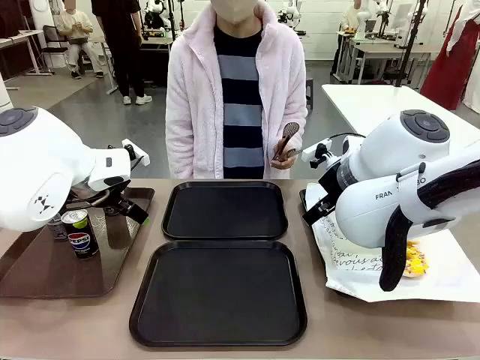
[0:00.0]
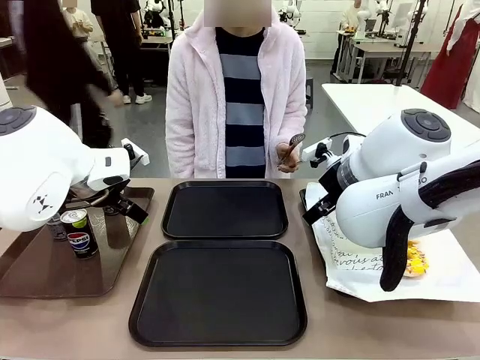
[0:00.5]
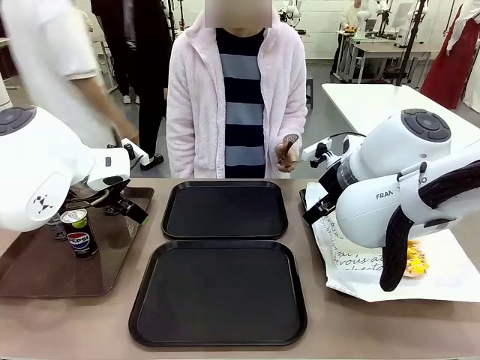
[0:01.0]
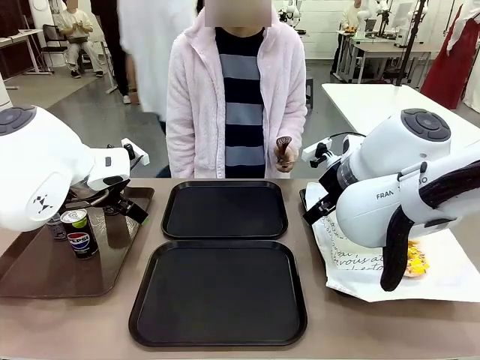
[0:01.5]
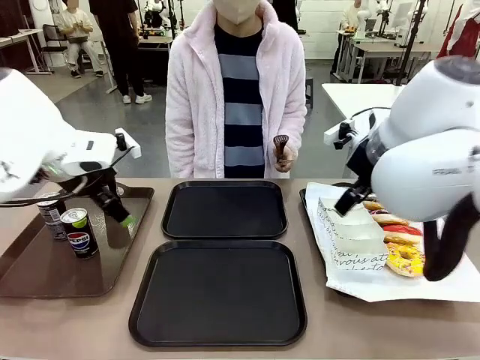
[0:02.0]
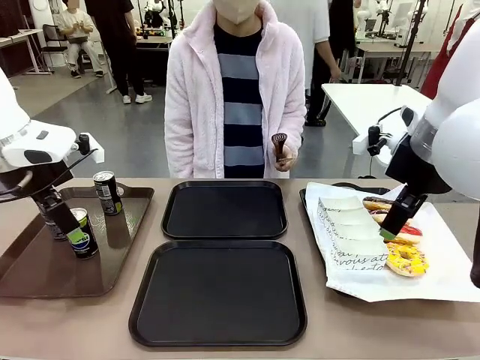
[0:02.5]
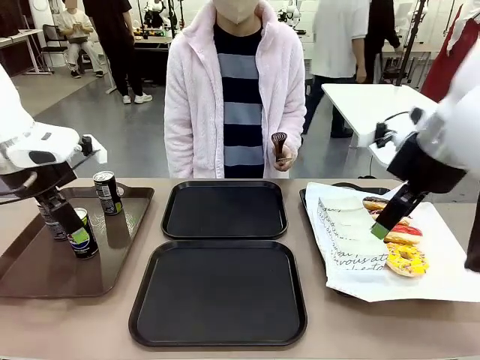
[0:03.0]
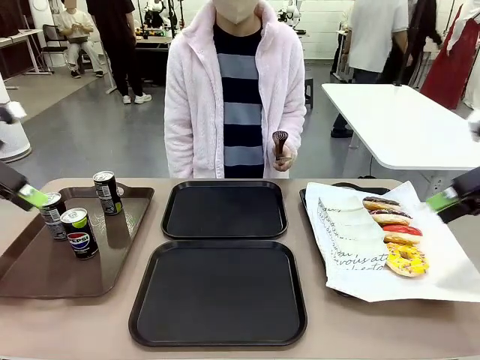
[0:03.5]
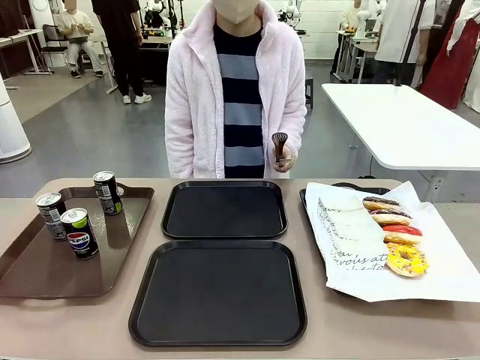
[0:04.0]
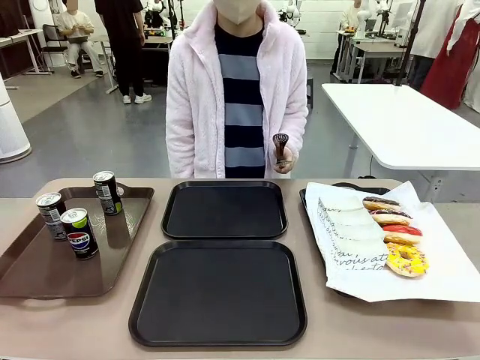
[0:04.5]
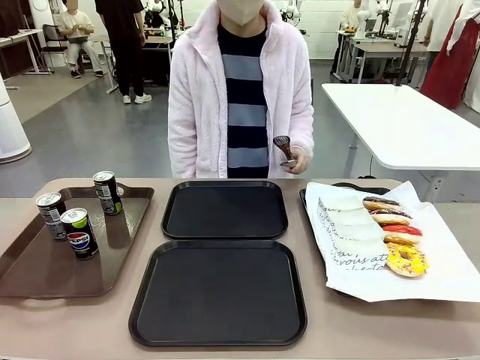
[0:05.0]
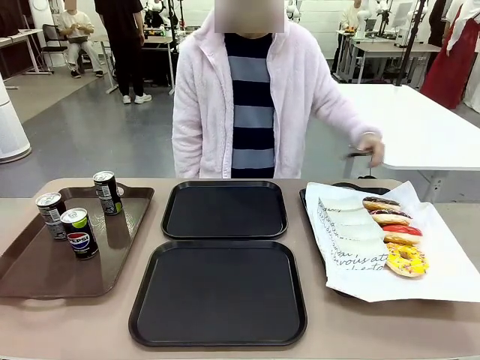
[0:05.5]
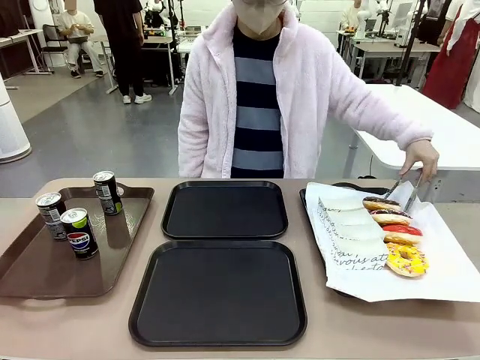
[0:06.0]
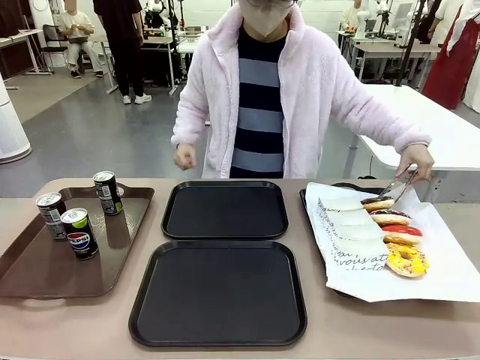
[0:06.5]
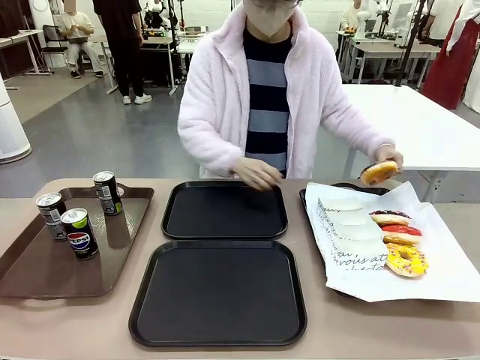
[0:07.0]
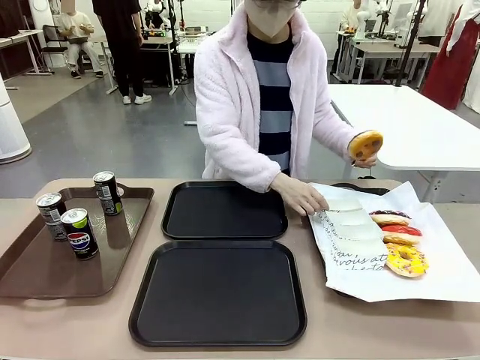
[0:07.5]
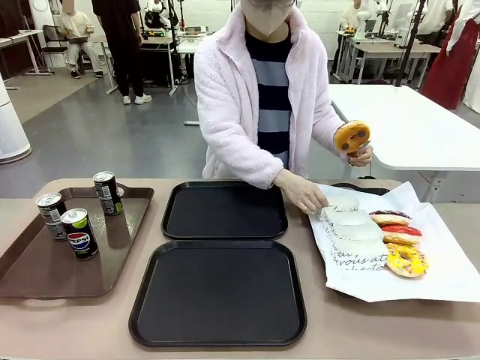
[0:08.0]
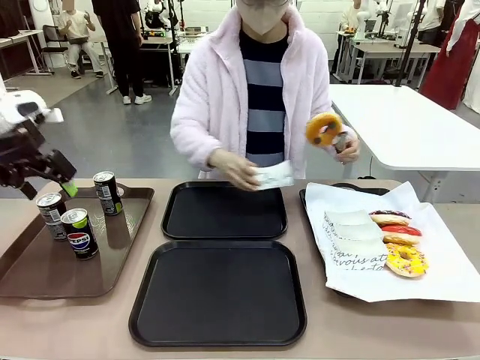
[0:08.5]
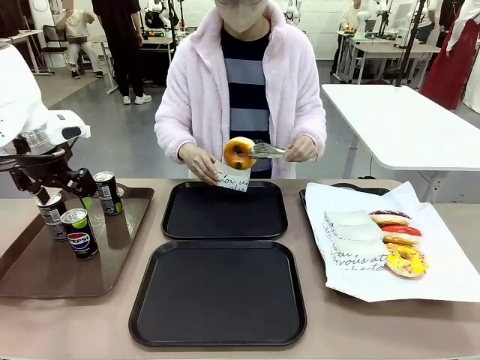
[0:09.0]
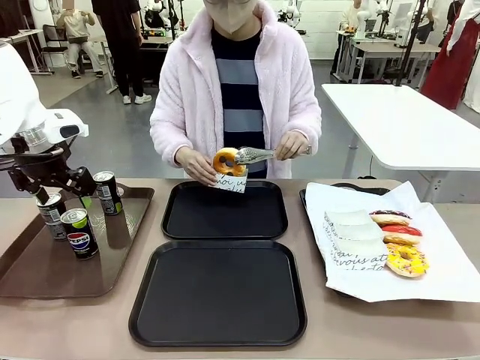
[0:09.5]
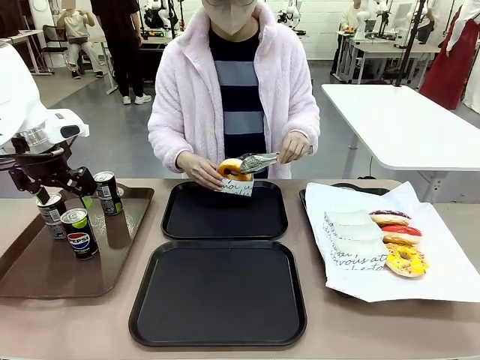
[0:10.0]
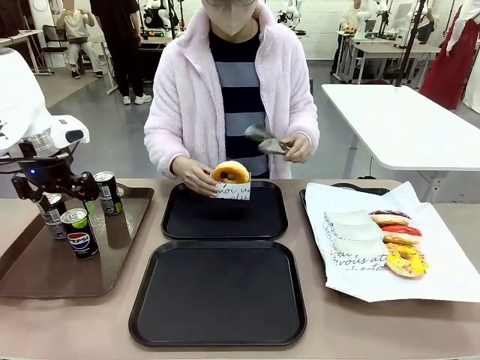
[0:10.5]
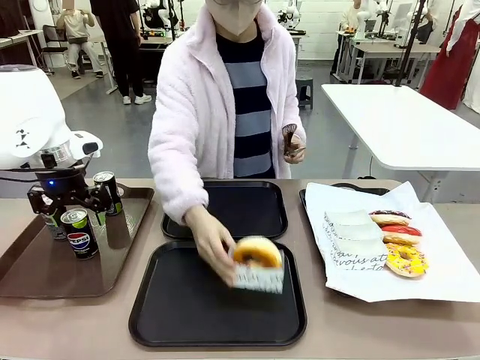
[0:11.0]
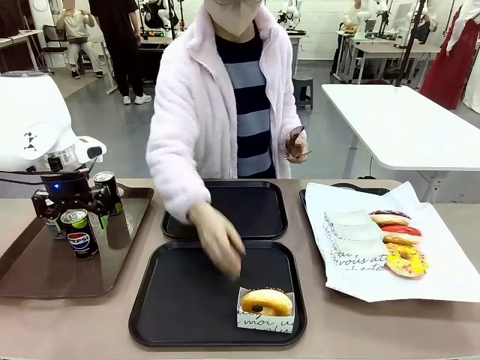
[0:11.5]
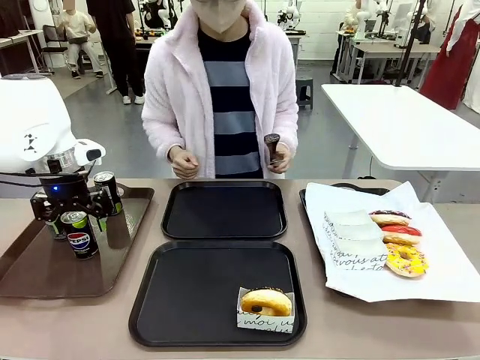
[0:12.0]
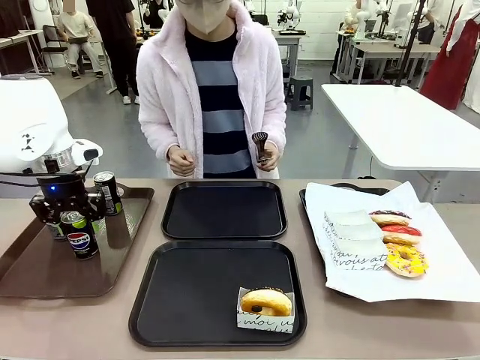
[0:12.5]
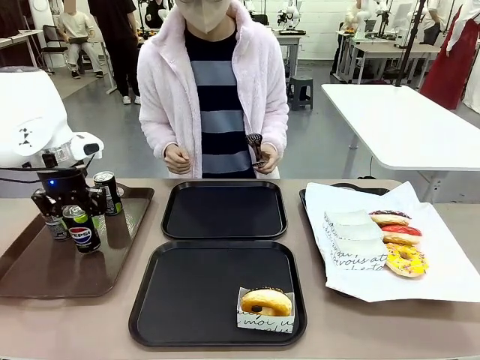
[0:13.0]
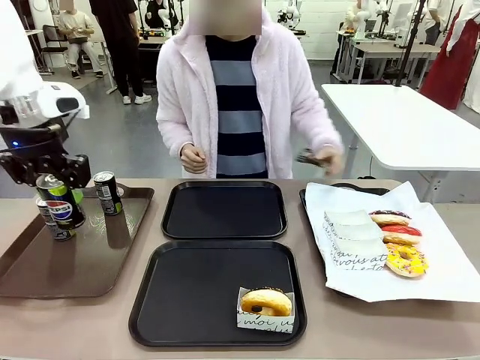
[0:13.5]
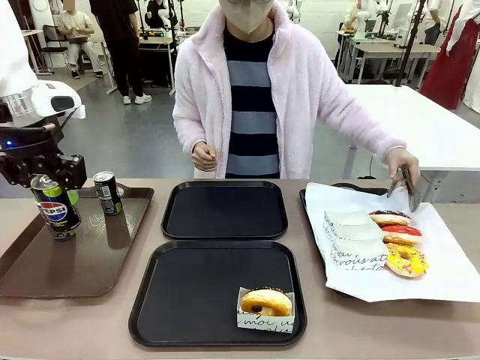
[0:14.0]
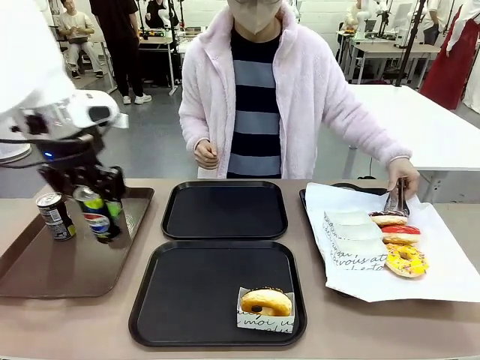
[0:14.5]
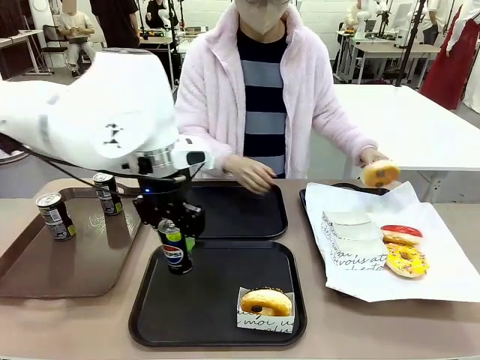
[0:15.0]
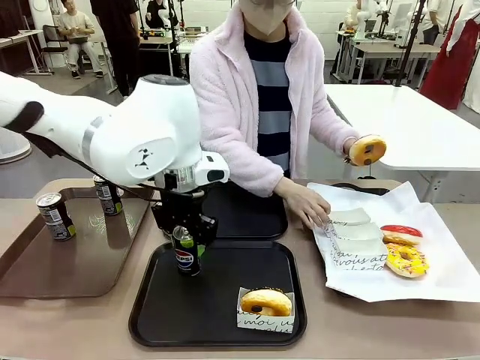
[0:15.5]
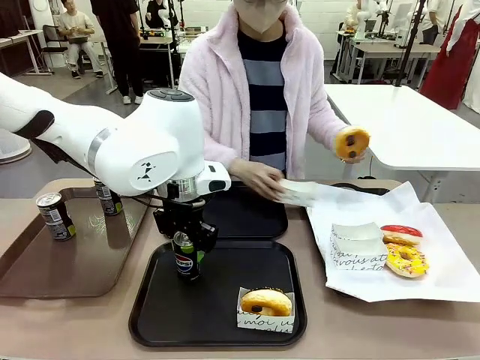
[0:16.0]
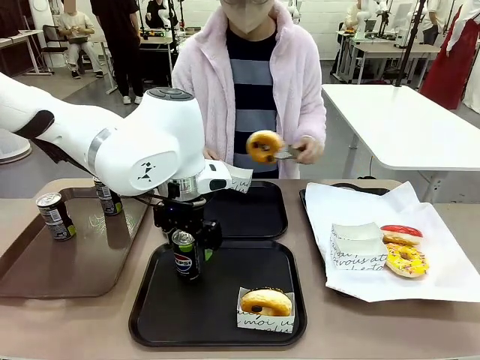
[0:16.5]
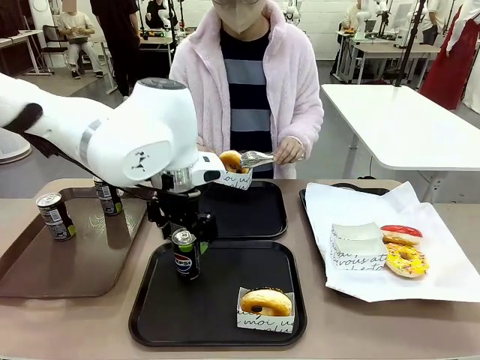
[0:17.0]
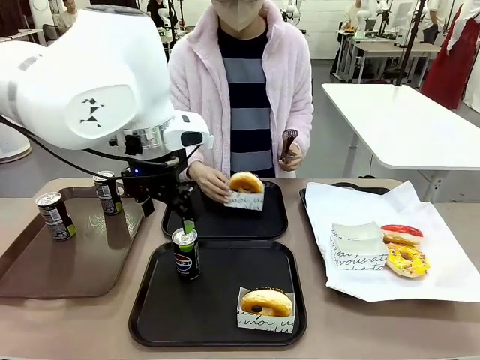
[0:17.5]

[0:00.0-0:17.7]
Task: Set up donuts and drinks on trays.
Robot: Pick up one Pepsi coke and place it on the Flat Tray.
